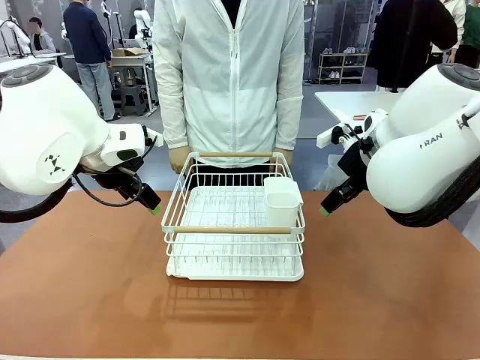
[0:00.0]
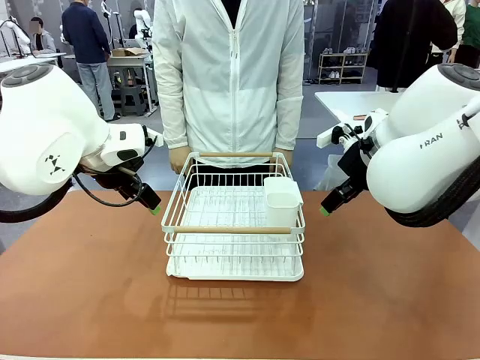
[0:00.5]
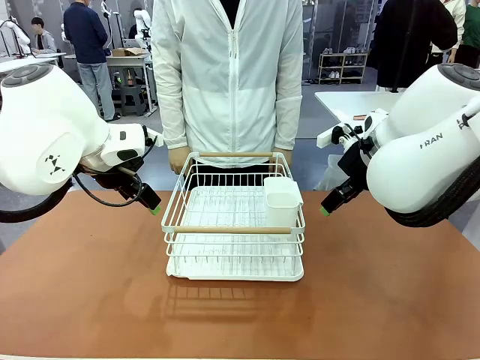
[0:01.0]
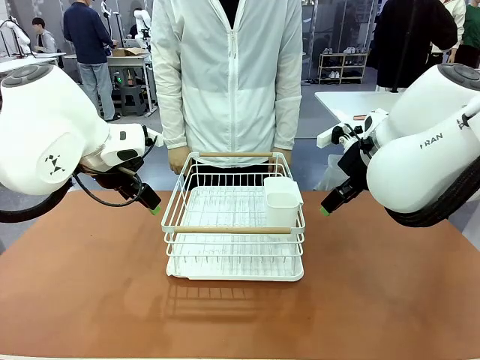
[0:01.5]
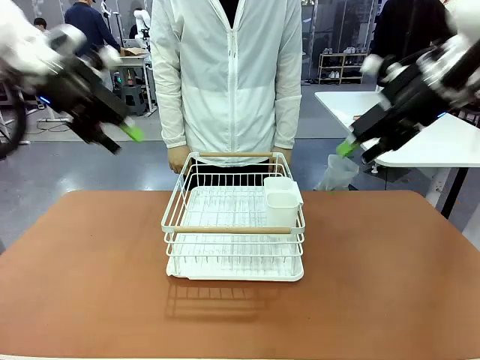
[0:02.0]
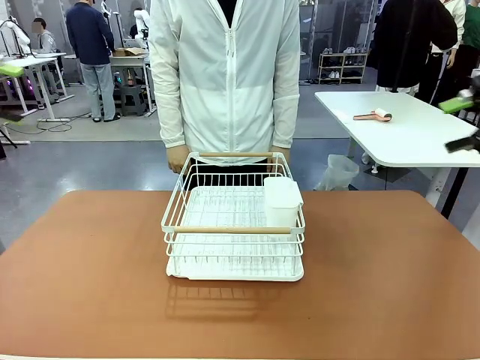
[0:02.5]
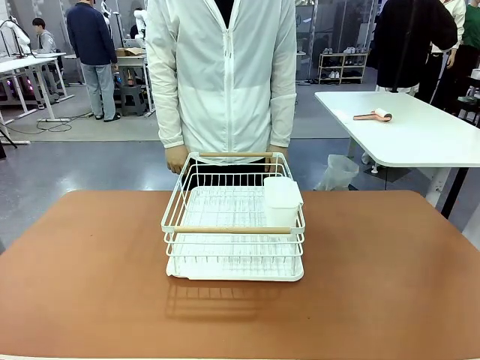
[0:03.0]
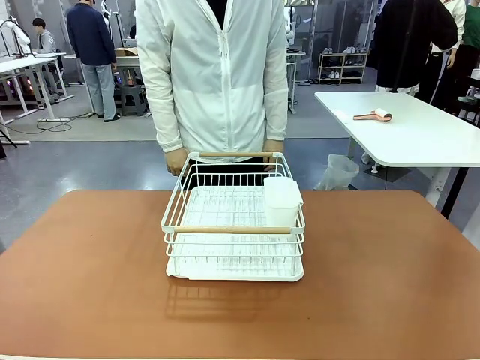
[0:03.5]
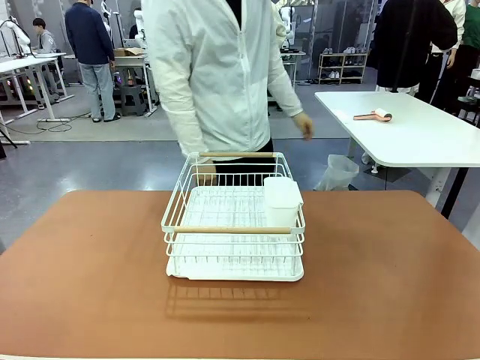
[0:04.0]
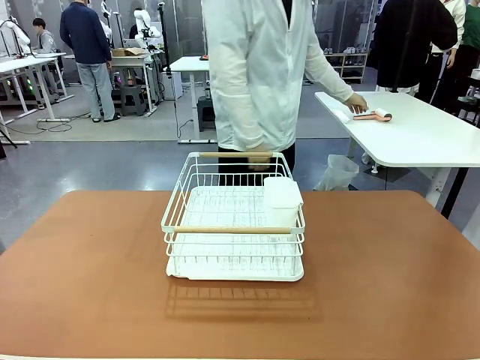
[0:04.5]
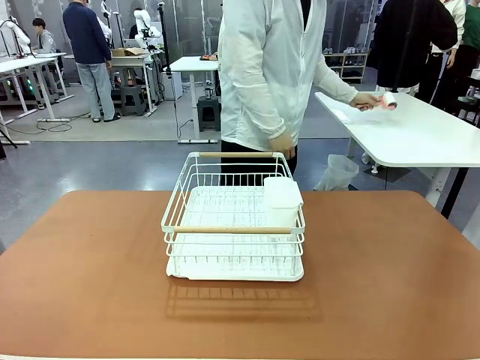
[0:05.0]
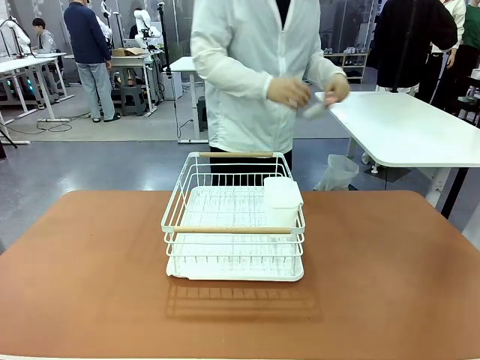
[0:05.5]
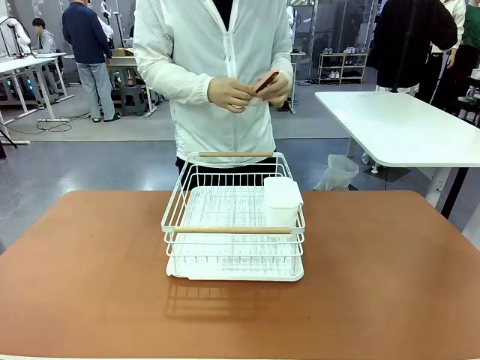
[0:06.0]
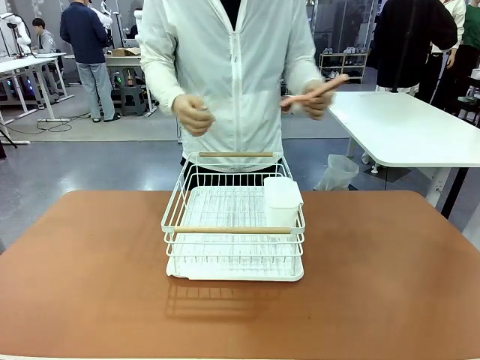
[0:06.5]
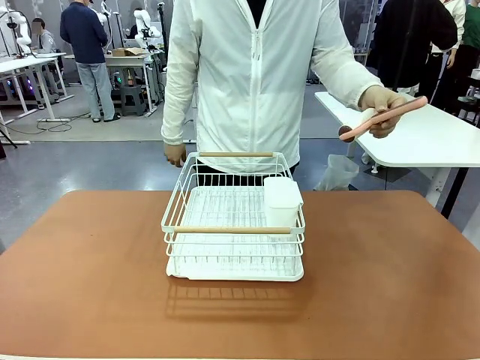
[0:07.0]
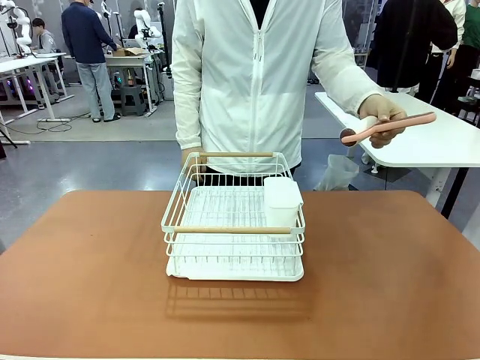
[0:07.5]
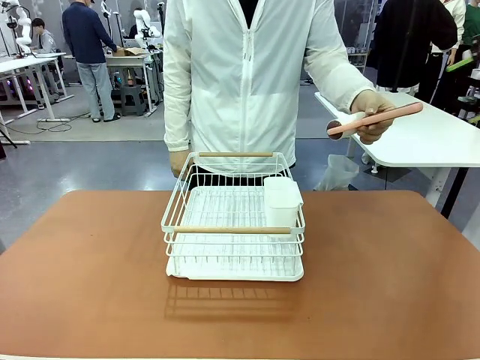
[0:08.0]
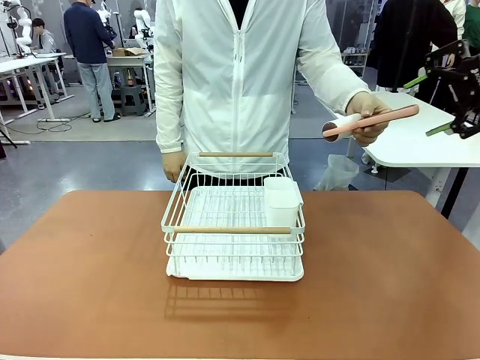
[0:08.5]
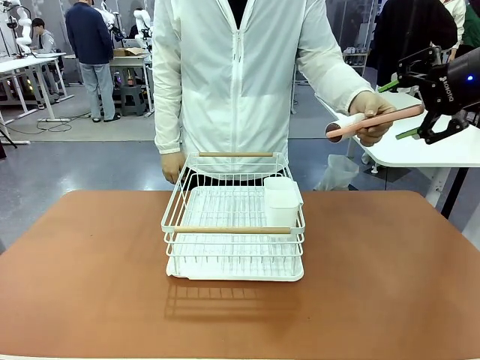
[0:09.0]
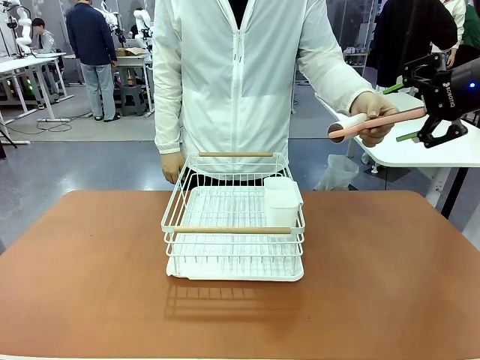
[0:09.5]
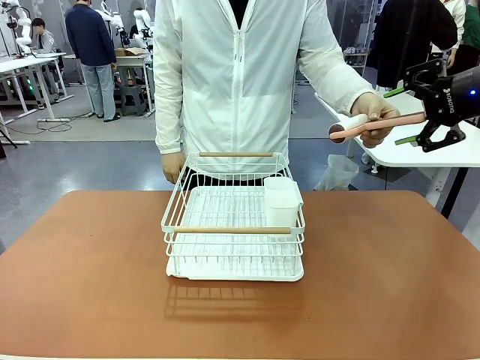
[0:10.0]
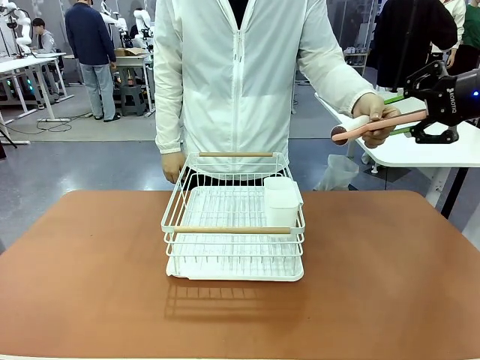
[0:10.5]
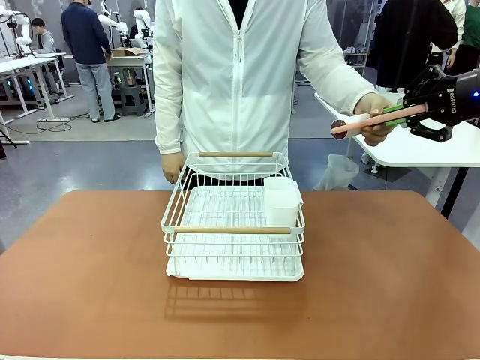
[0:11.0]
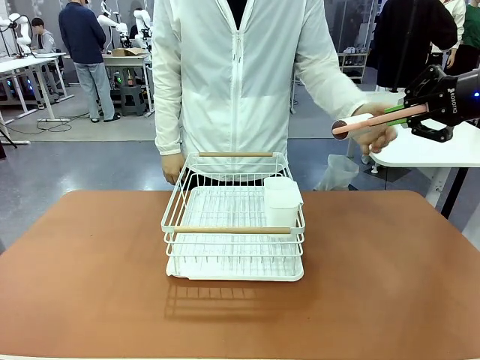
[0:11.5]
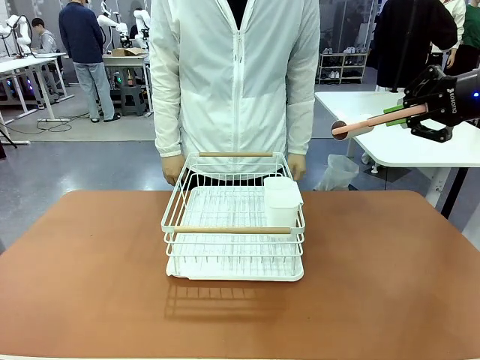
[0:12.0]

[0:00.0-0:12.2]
Task: Clean the table.
Robot: Pick up the Lint Roller when the human hands it over.
Person: Hand the Lint Roller to the robot so it can easily pick it up. Lift the Dish drying rack.

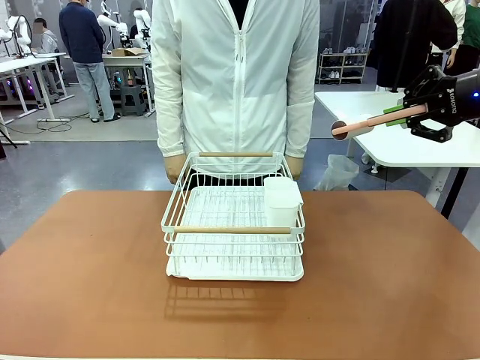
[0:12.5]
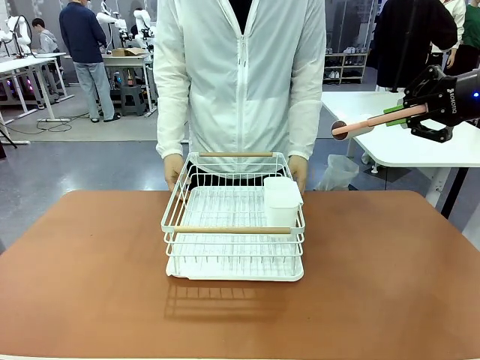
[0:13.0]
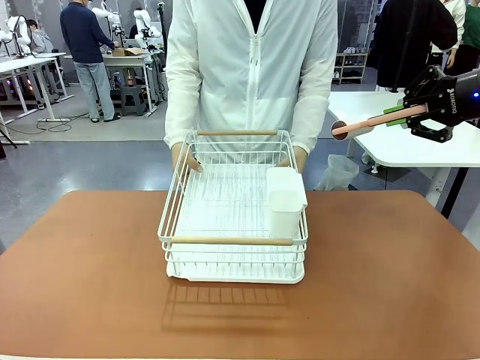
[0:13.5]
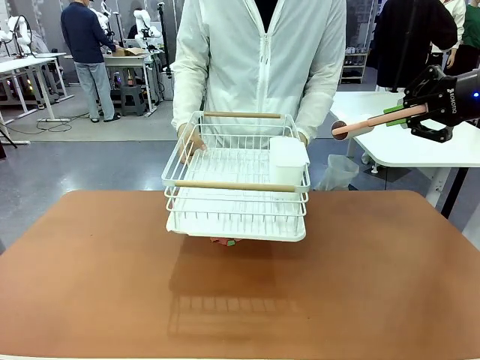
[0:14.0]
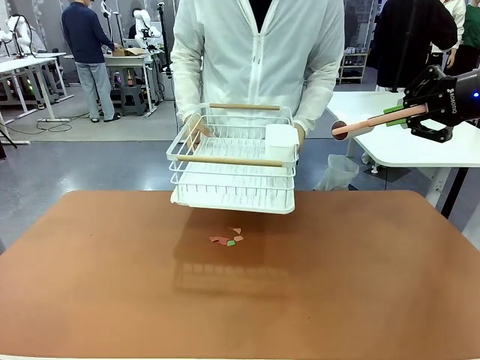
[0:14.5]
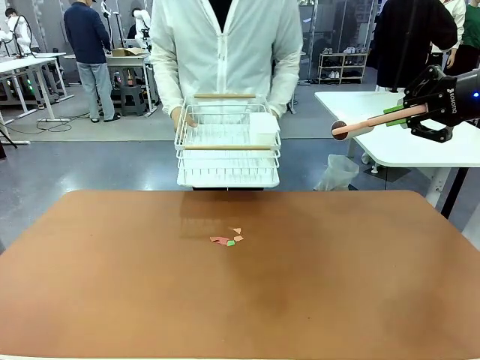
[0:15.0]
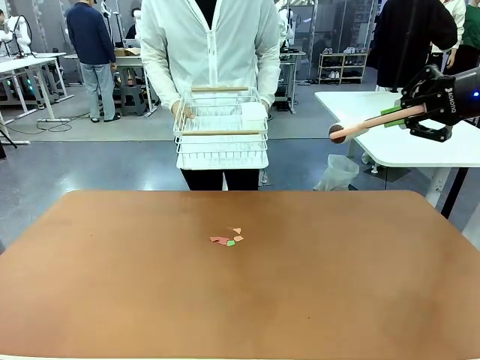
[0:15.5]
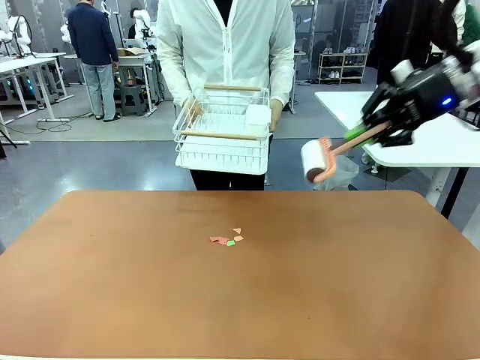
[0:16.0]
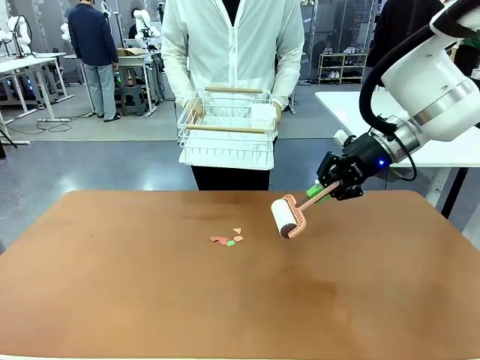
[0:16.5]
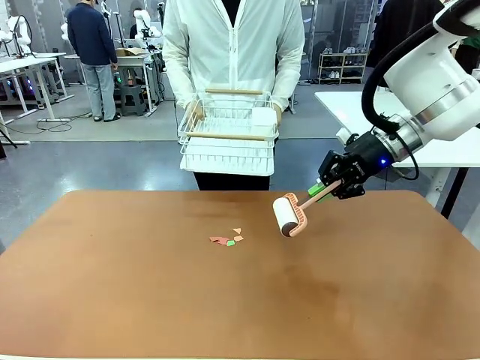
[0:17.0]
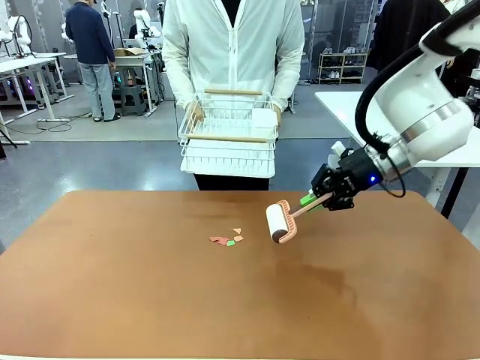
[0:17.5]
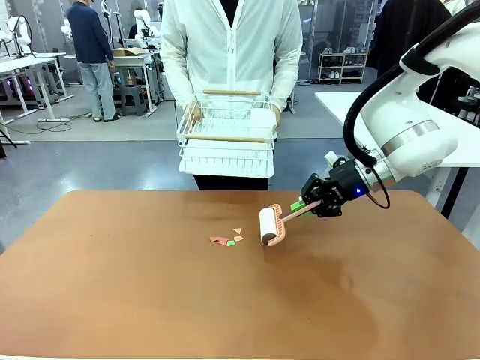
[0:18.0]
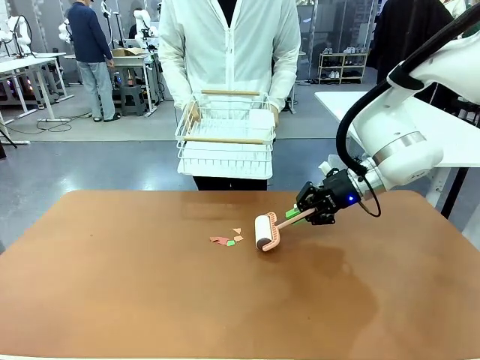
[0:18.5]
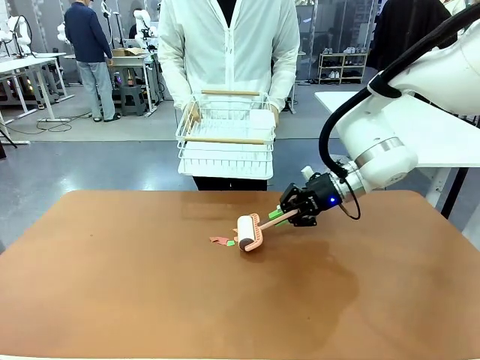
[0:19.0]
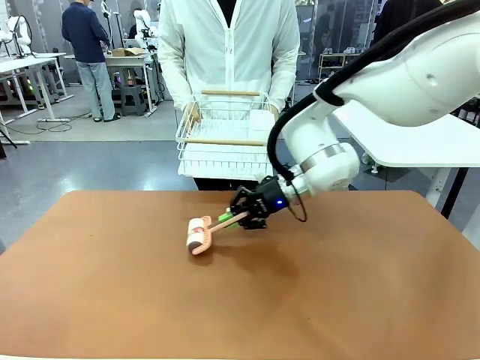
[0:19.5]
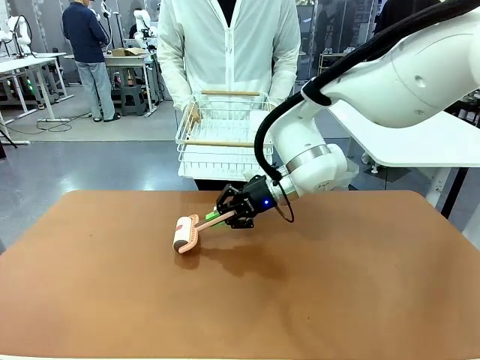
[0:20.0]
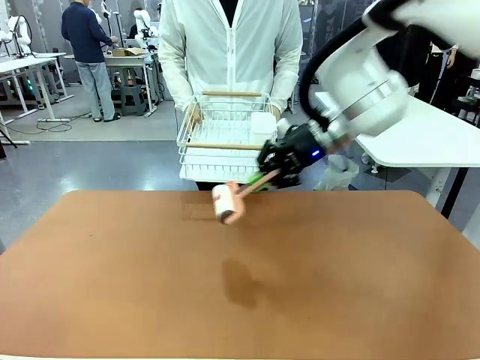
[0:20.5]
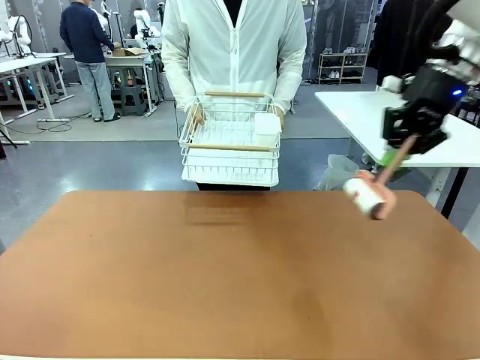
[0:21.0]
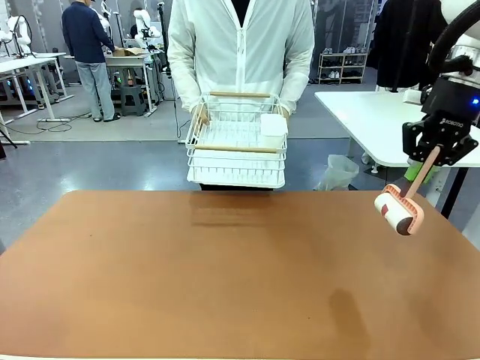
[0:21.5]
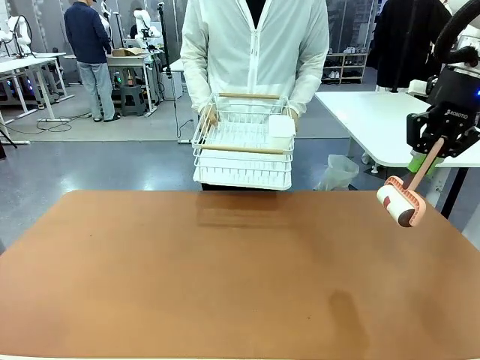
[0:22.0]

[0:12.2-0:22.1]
Robot: Clean the table with the Lint Roller when the human lifts the Dish drying rack.

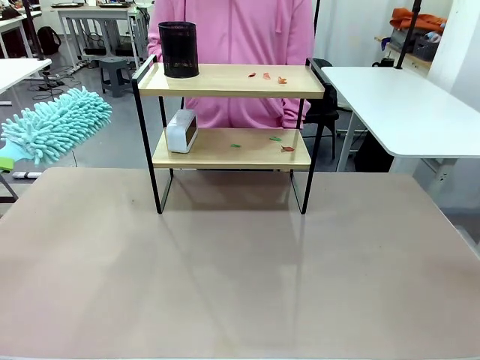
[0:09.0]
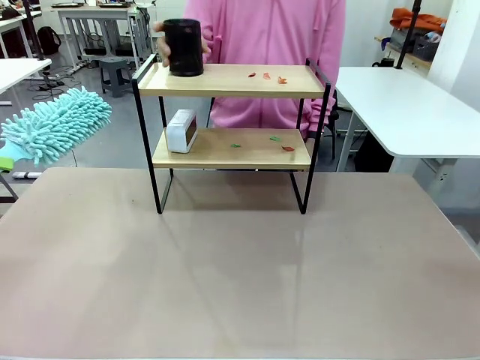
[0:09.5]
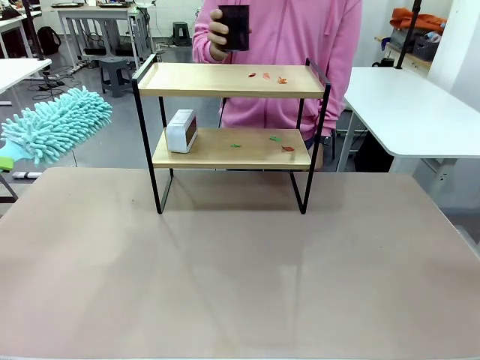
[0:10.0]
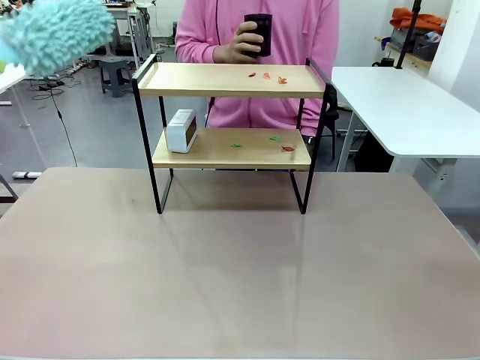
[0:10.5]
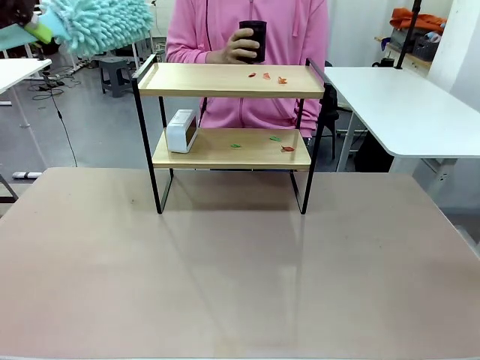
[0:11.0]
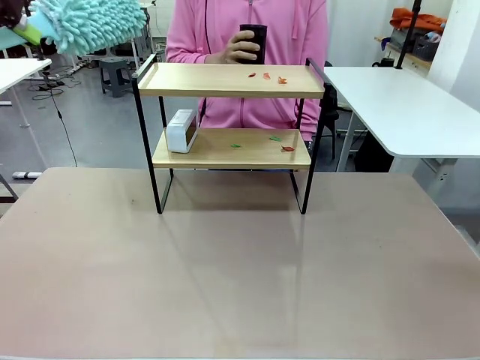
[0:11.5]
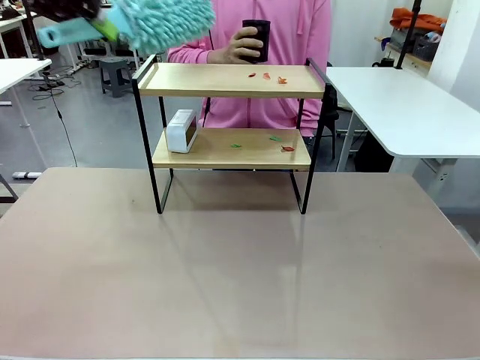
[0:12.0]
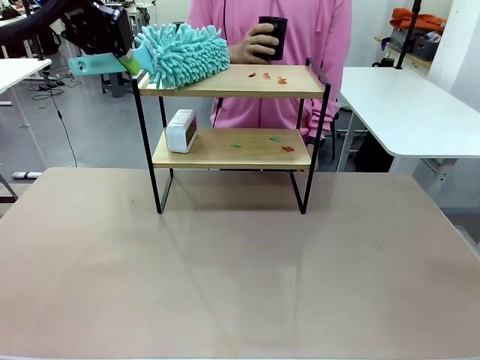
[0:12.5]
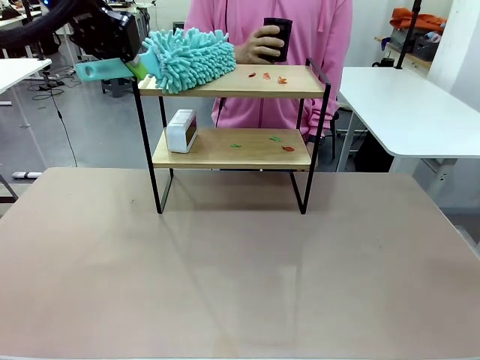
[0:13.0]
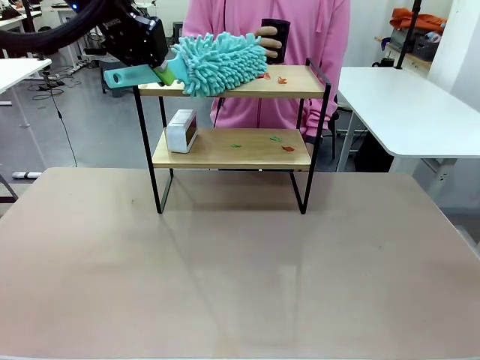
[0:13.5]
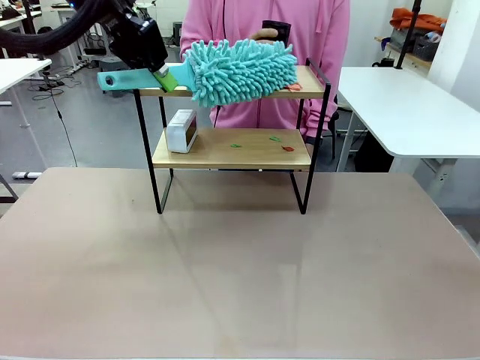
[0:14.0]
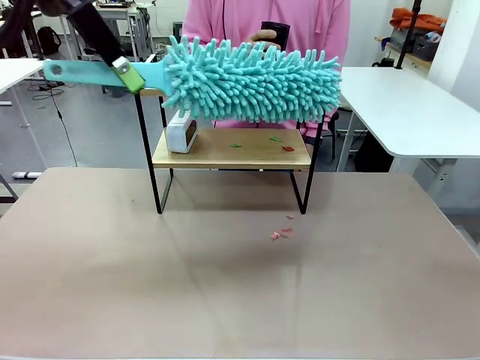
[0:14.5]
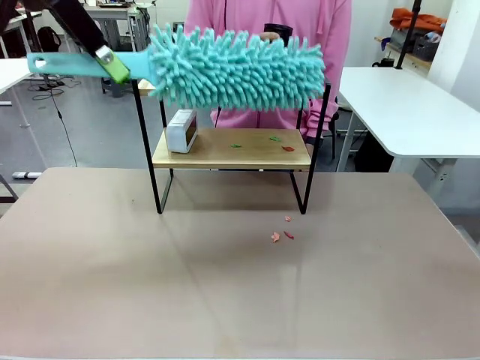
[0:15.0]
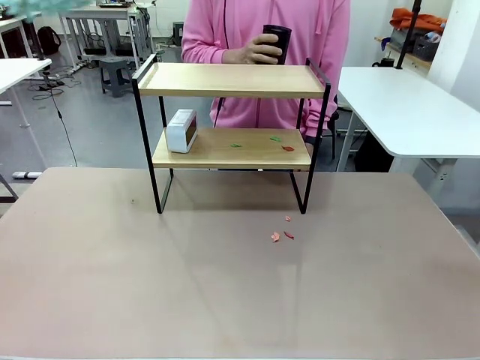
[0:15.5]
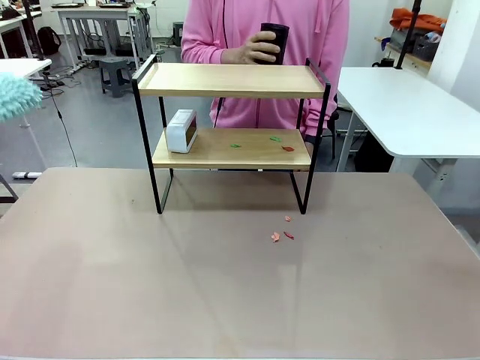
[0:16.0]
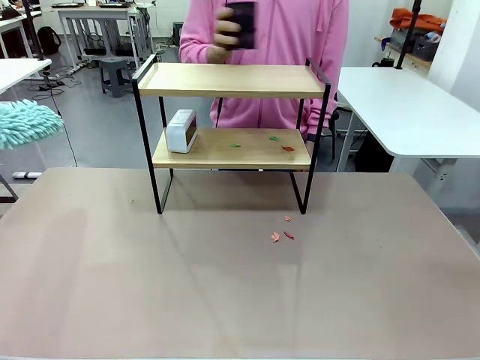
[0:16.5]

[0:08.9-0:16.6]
Task: Clean the shelf.
Robot: Clean the specific tier of the Shelf with the Duster once objects are removed.
Person: Lift the objects on a randomly selected tier of the Shelf. Once the robot finishes cleaning, lift the objects on the remaining tiers of the Shelf.
